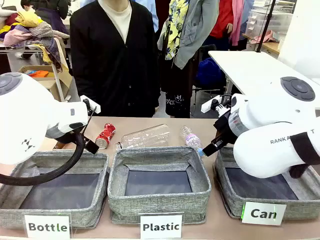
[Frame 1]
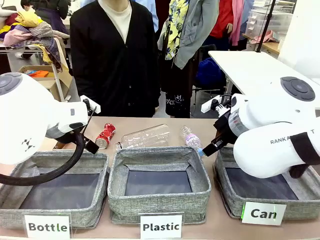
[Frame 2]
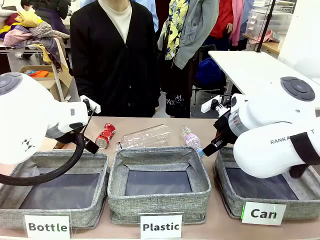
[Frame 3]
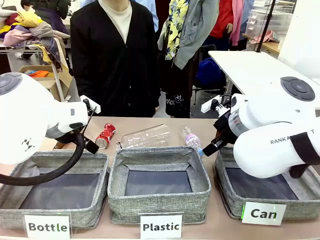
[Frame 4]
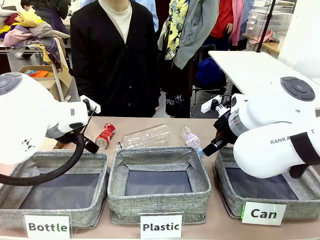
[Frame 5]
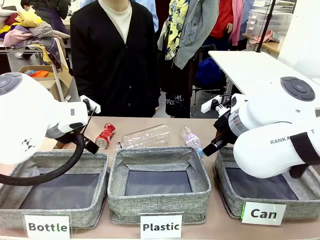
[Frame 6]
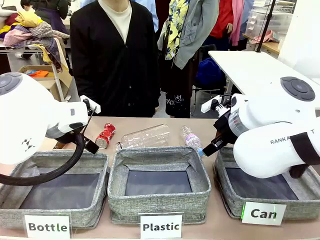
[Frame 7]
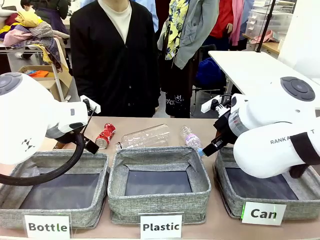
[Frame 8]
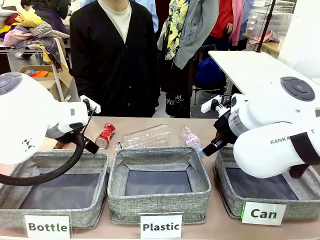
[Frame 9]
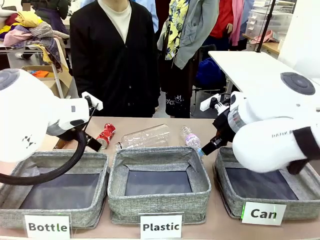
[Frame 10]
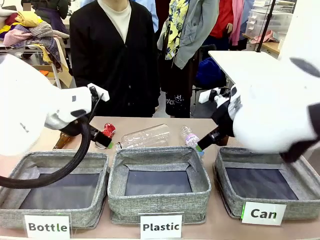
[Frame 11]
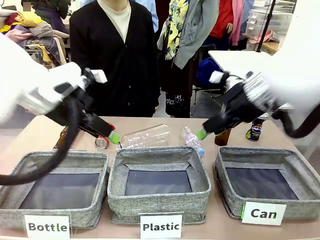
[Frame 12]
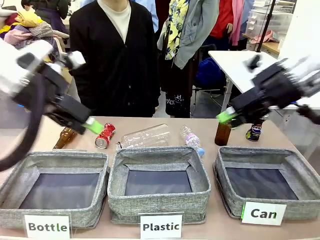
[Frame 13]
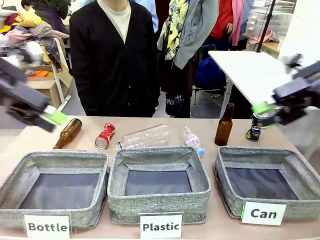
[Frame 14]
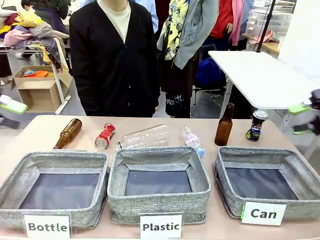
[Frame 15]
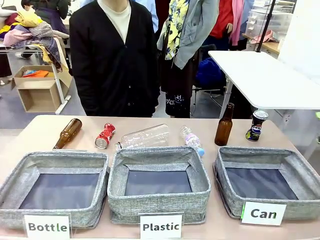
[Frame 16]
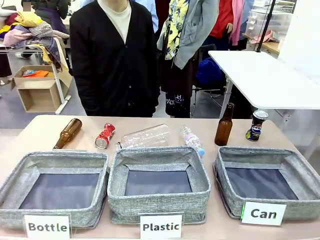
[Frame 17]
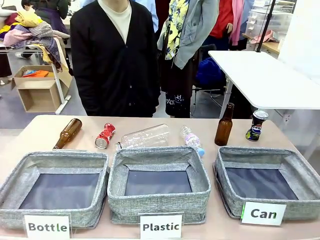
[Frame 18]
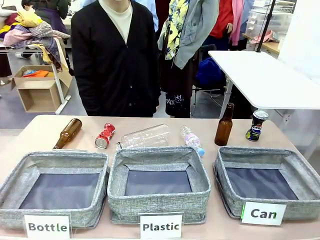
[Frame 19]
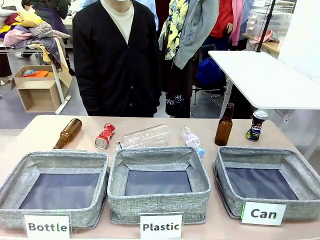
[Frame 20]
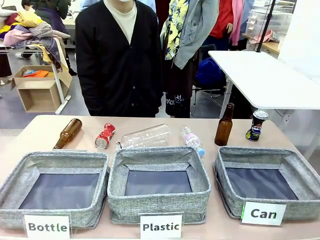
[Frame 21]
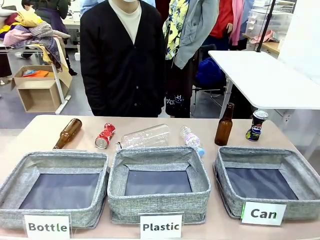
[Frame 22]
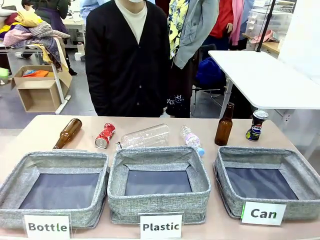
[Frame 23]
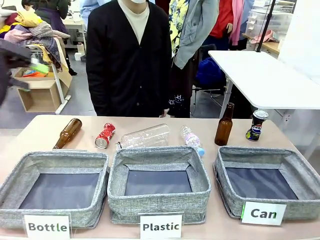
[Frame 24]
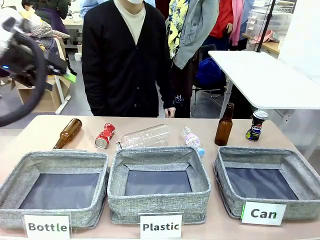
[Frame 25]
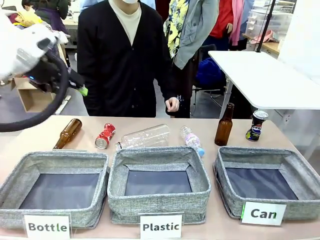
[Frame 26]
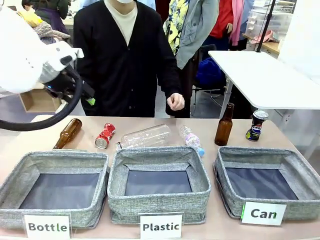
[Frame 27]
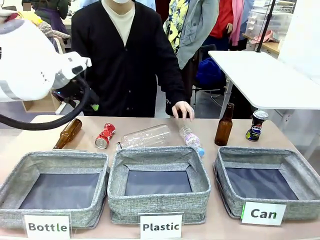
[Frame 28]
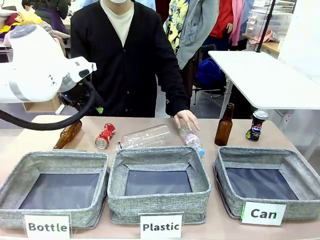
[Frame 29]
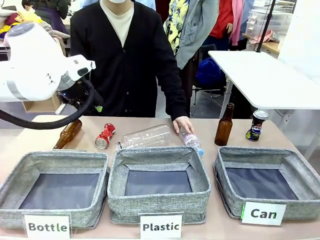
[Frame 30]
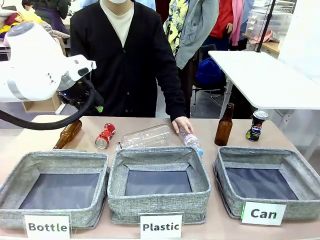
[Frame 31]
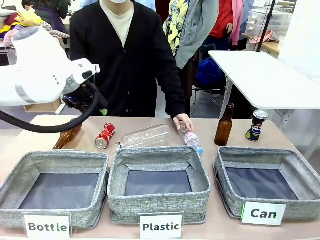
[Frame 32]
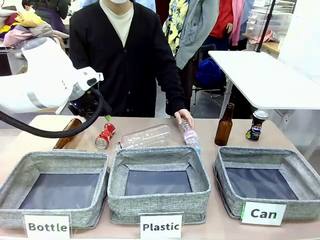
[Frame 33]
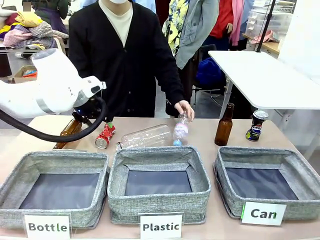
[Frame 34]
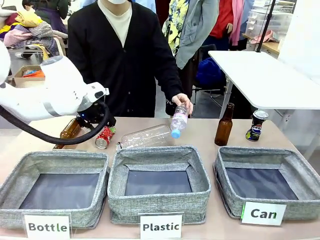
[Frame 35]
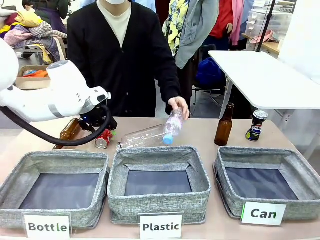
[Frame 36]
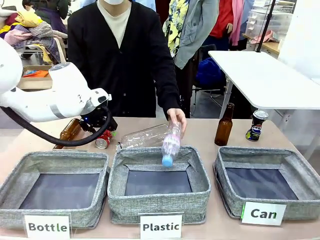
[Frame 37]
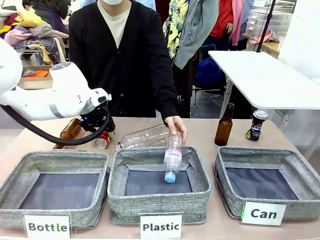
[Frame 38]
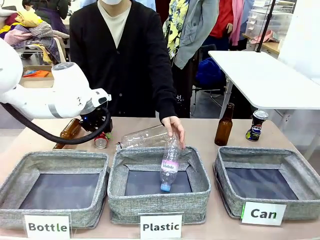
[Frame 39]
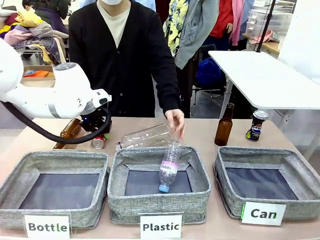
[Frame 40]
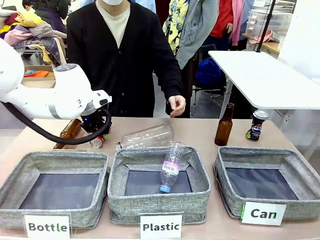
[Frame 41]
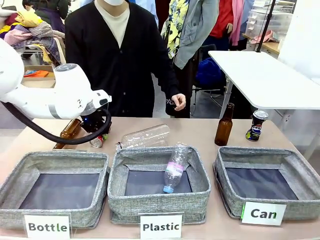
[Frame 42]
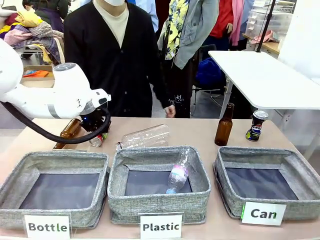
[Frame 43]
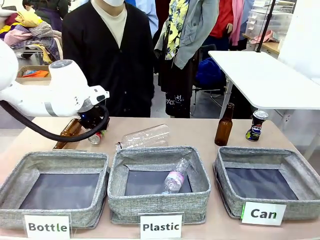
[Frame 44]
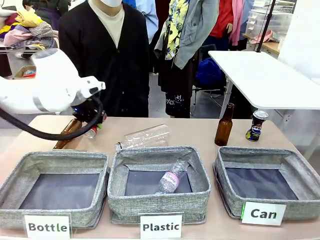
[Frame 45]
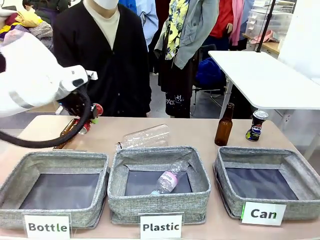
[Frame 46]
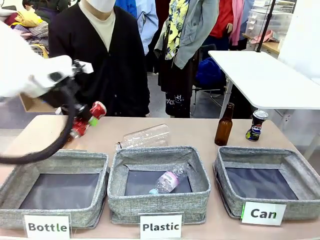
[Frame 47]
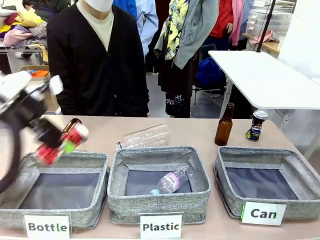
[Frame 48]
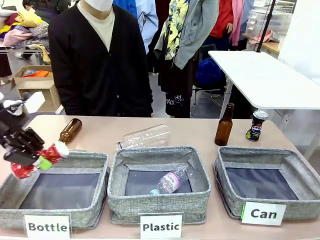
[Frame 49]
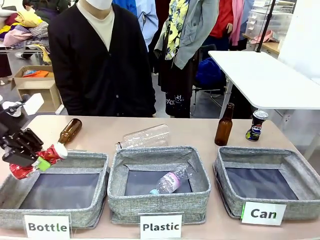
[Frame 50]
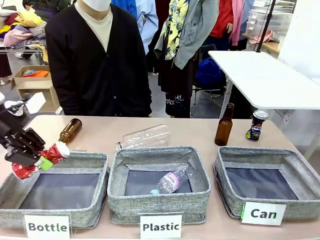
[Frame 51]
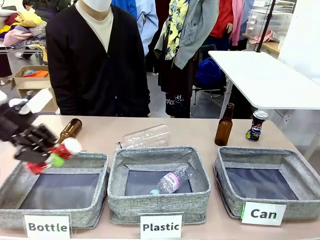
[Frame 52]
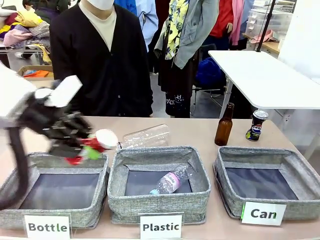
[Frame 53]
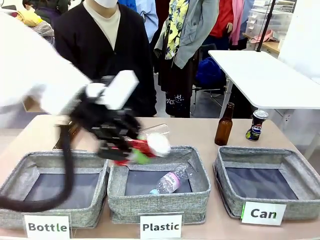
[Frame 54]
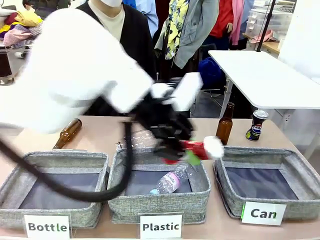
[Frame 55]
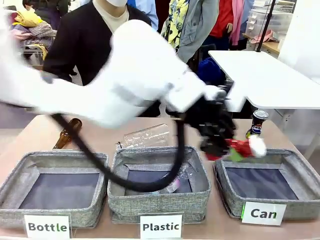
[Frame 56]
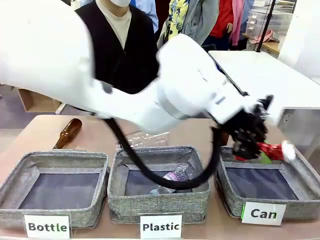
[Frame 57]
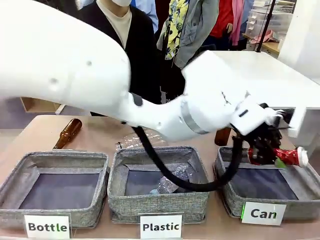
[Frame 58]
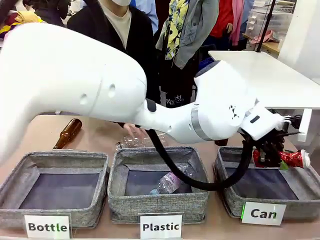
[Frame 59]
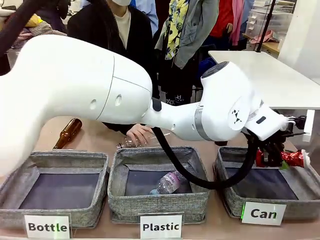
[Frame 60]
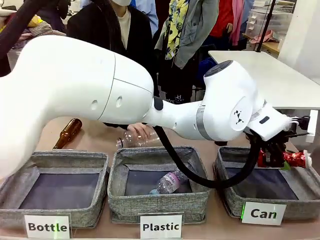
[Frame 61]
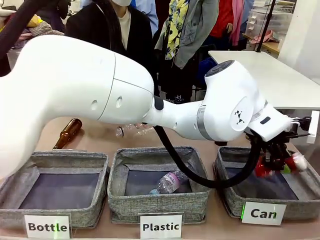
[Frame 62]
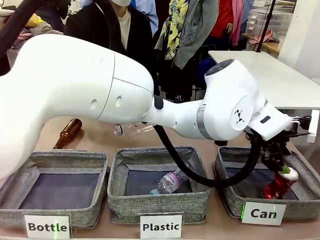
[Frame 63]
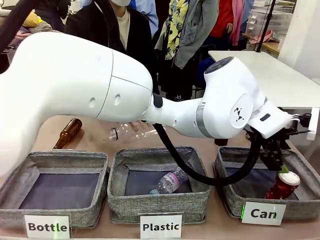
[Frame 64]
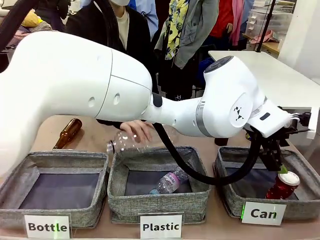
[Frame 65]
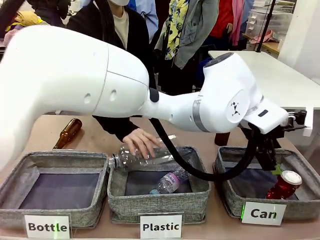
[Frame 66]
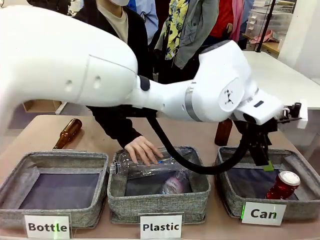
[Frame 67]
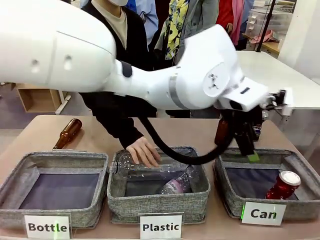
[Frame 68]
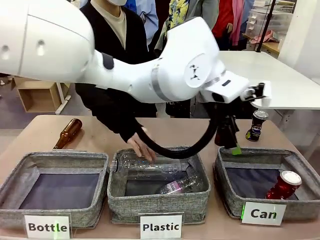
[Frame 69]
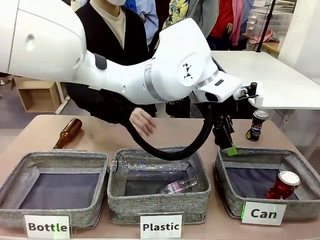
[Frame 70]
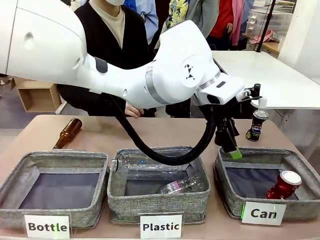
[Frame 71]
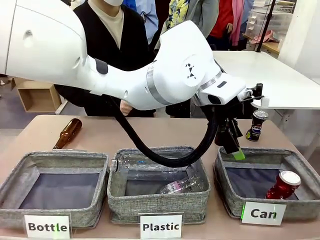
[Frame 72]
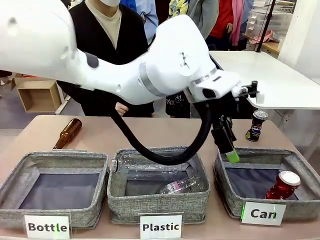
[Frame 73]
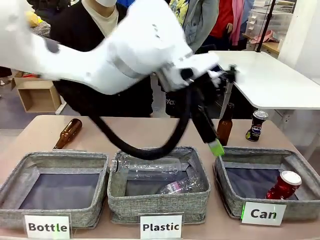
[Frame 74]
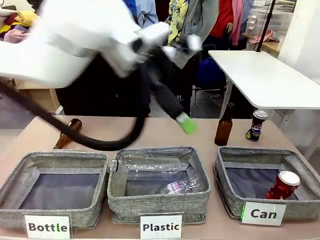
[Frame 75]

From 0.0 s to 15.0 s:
Task: Sort the can waste into the basket.
Robot: Pick up the can waste from the table and place it in the right Fabric basket.
